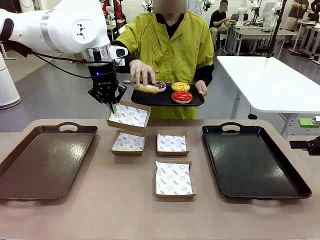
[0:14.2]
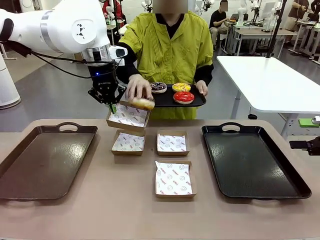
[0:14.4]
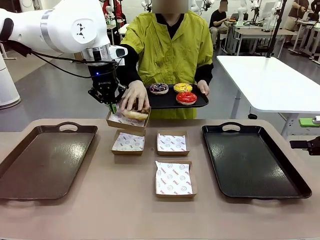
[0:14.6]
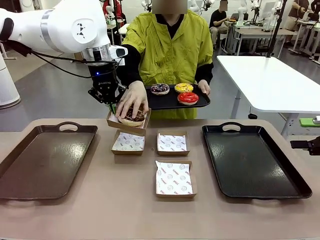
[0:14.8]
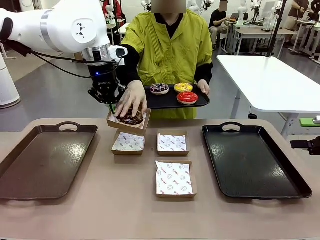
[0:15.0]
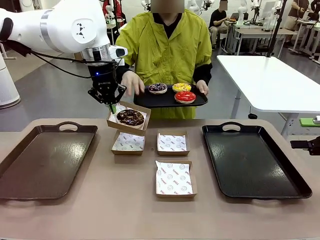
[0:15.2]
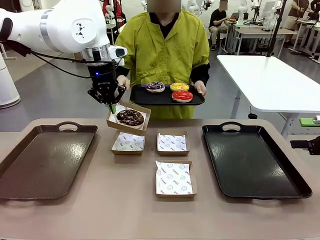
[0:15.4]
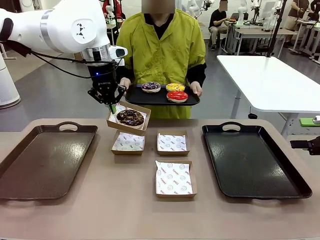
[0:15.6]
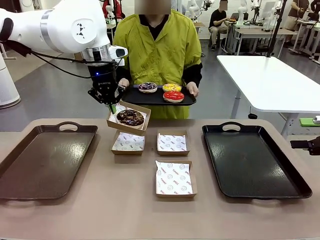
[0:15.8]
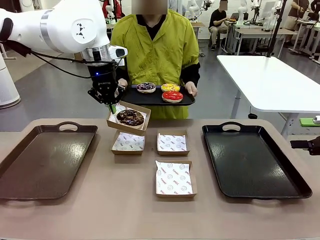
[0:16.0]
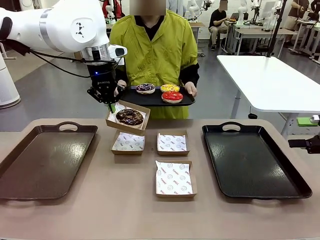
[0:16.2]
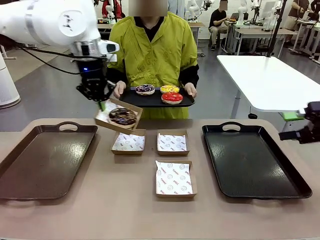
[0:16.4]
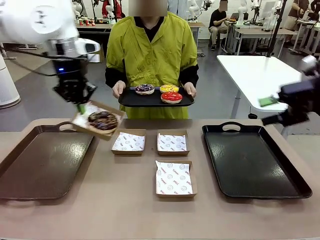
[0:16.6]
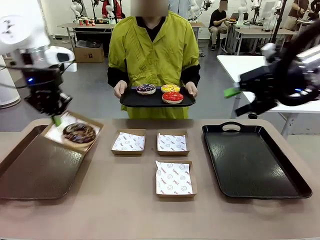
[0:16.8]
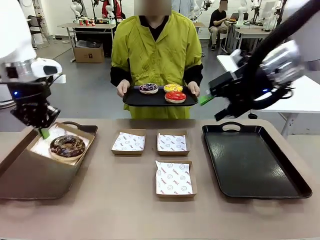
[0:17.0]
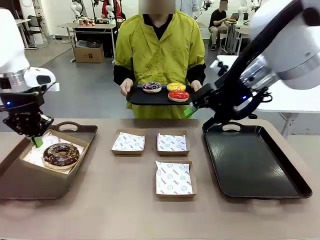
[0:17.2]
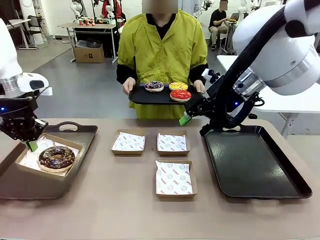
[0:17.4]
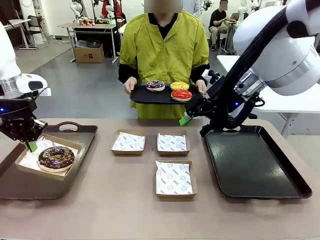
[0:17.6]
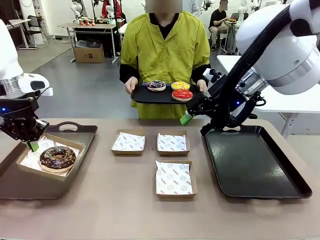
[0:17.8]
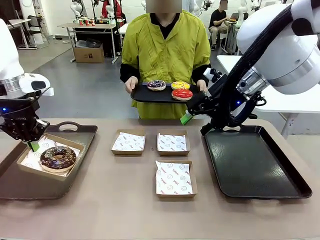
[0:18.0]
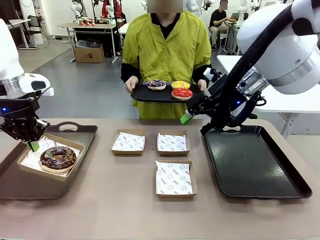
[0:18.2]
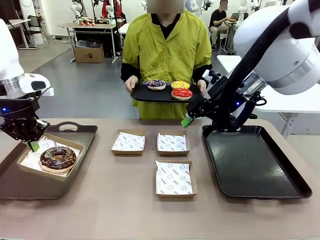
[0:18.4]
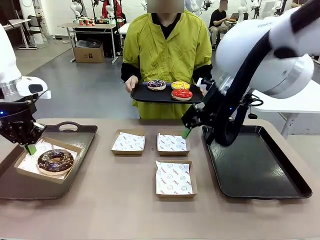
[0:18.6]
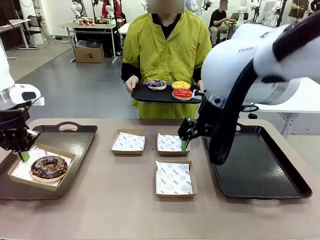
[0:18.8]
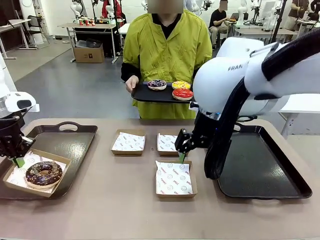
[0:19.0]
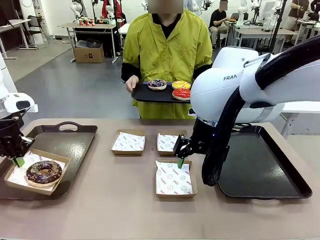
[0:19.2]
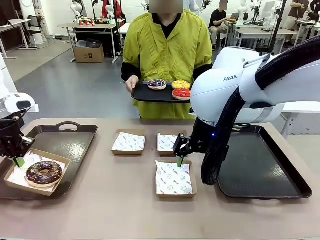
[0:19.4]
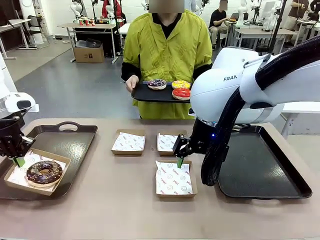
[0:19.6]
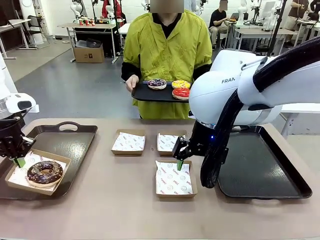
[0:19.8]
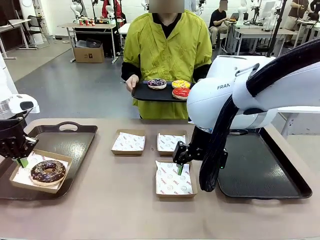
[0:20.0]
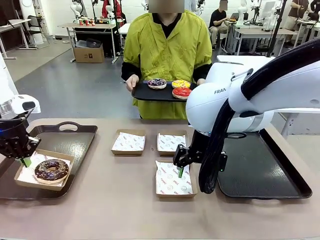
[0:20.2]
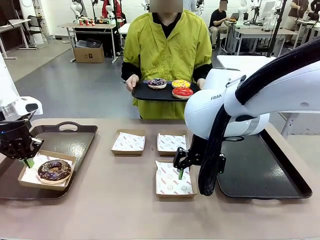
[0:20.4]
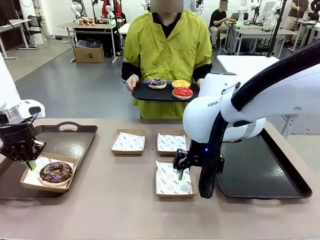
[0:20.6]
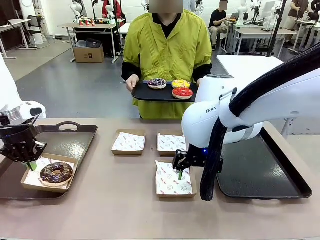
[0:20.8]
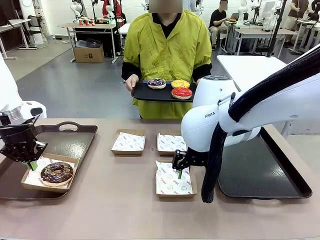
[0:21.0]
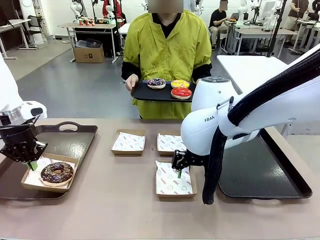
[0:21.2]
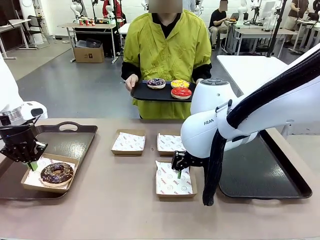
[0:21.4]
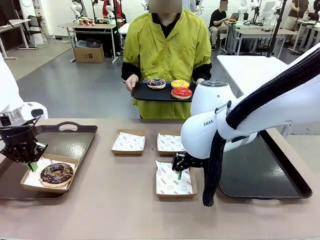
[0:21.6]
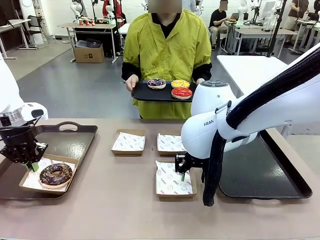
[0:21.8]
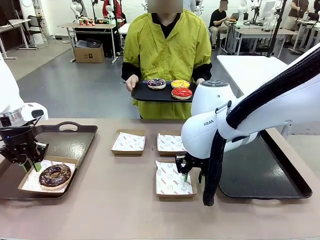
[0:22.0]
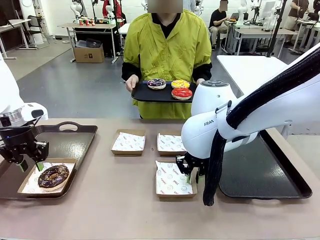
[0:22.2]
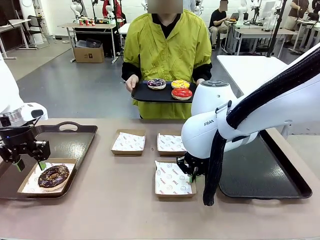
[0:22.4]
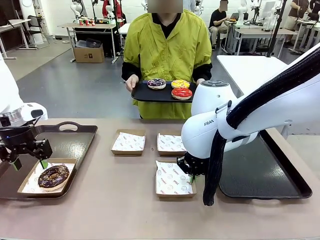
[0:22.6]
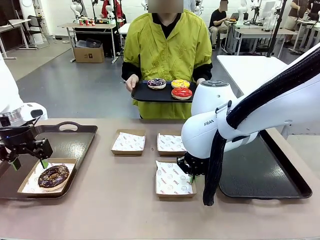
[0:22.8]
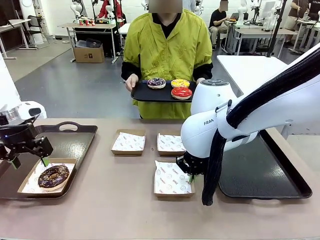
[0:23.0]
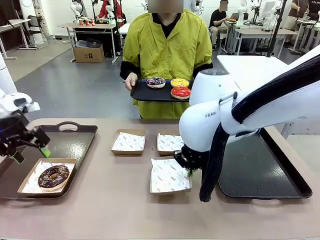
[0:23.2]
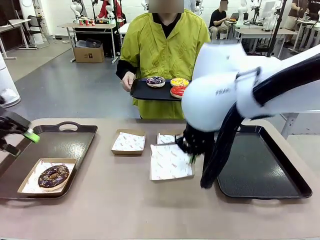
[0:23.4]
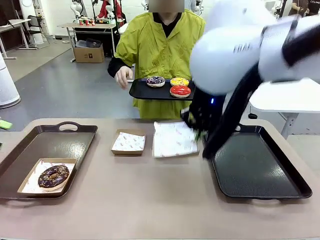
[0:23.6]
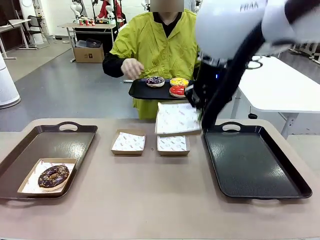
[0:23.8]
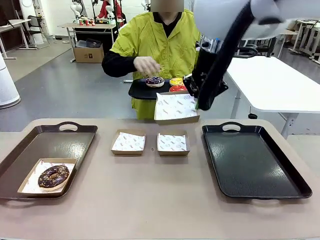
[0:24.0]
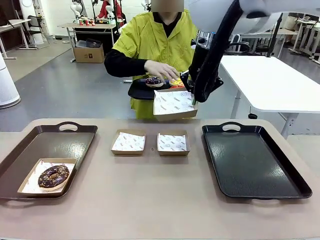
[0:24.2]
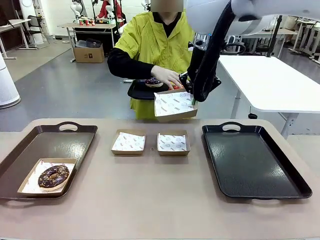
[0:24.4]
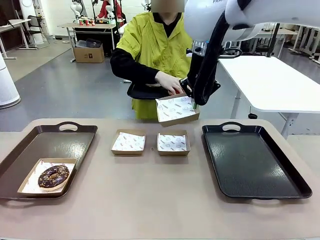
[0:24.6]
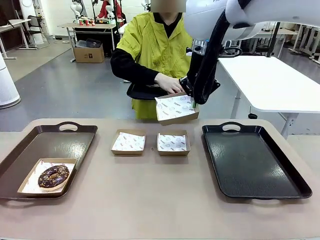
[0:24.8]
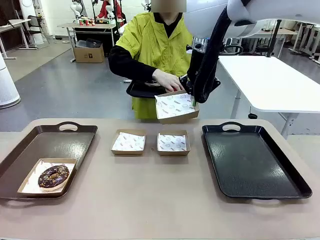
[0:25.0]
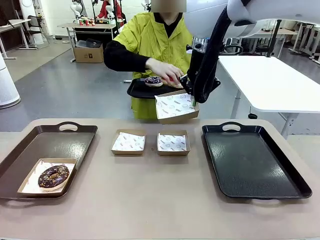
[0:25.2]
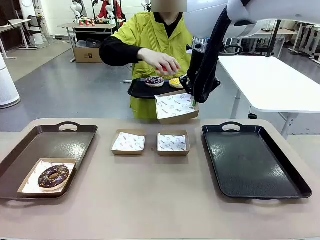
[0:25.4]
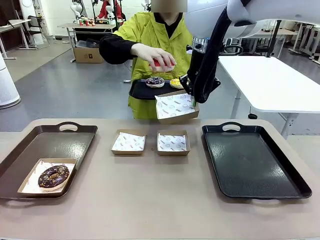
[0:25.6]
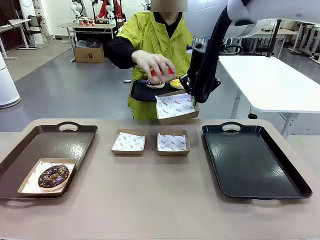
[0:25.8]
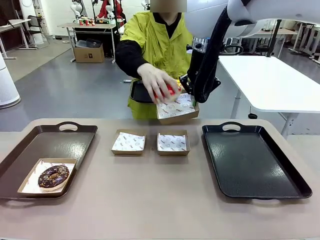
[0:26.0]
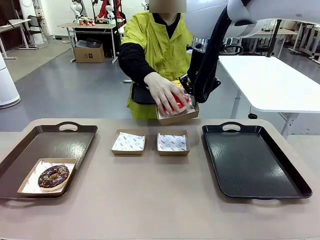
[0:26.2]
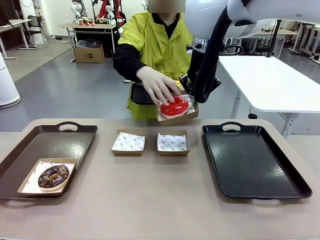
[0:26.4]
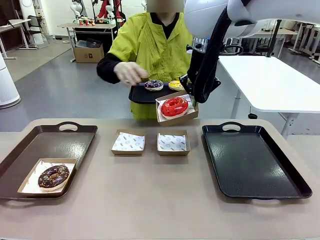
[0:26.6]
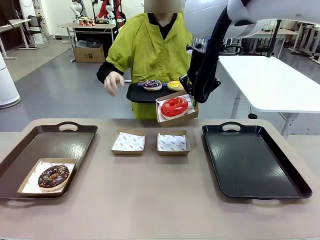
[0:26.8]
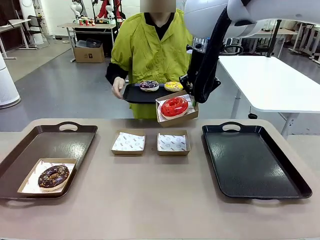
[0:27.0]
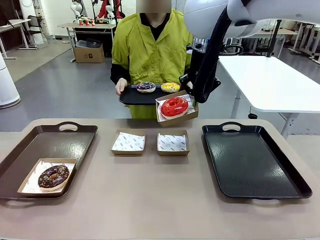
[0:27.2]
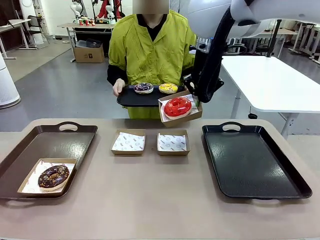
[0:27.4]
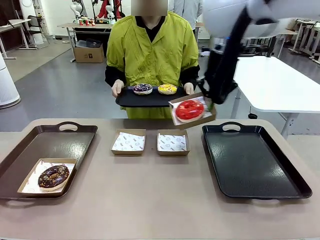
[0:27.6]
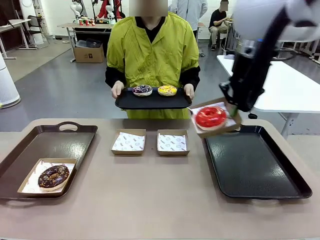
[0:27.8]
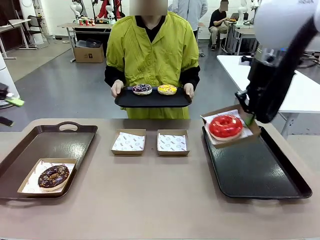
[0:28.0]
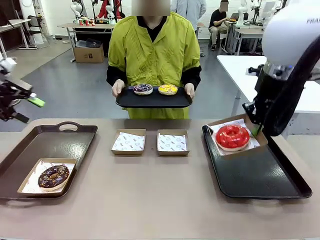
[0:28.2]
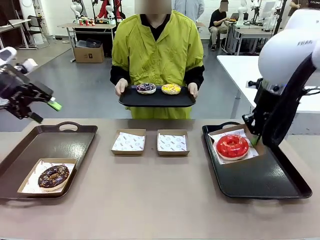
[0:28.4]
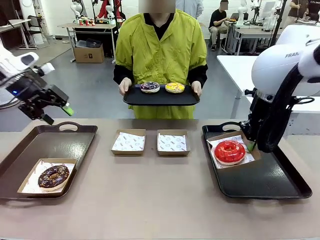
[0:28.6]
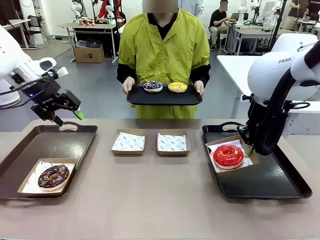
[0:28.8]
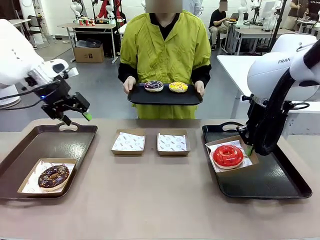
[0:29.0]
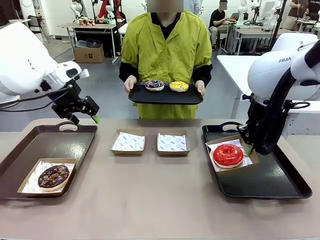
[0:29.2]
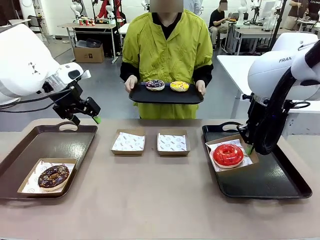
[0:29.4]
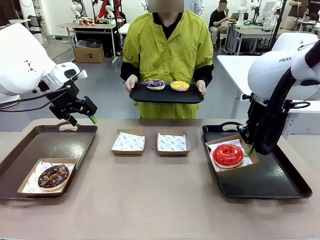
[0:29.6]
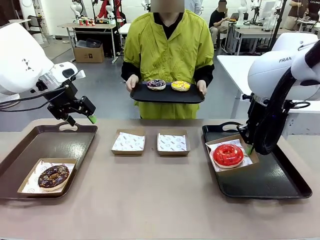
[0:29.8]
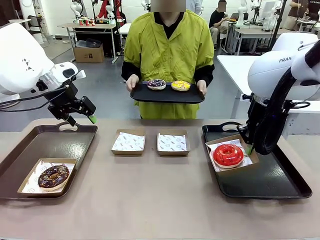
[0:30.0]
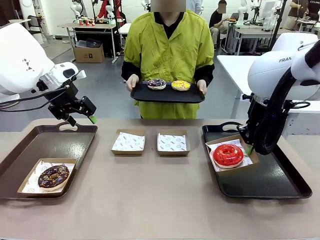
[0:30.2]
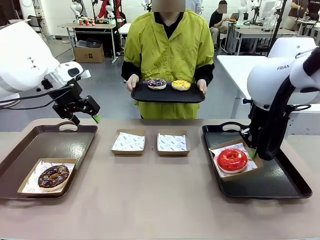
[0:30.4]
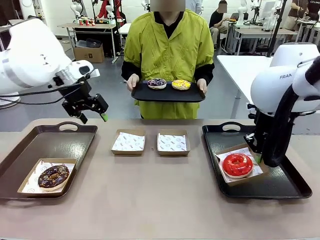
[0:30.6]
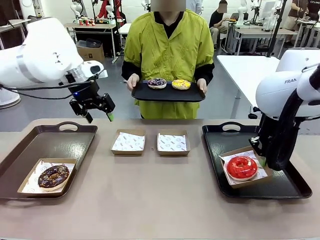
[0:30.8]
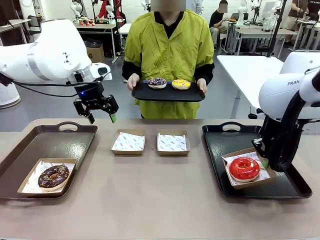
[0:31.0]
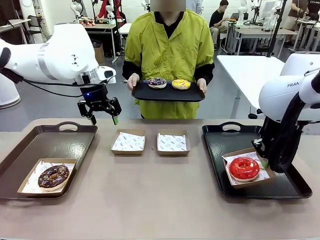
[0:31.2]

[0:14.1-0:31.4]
Task: Individually package the donuts and arrange them on the tray.
Robot: Place the picked Paper togo box on the Handle tray while simultaneously picking up another Paper togo box from the table with the other hand.
